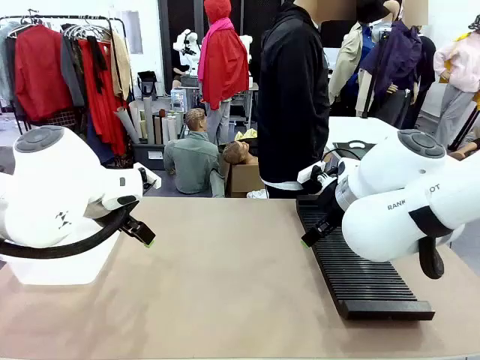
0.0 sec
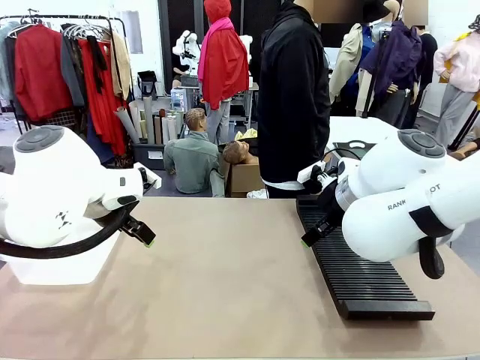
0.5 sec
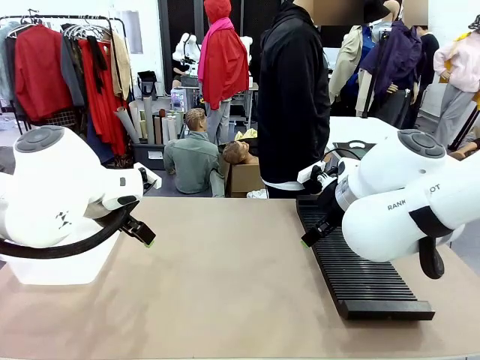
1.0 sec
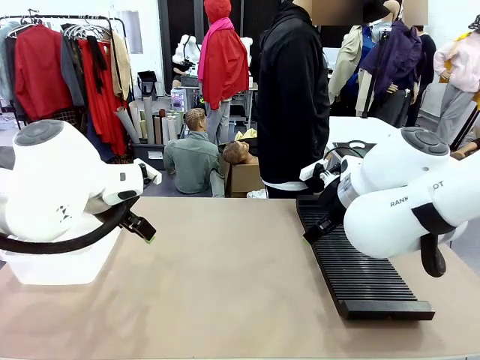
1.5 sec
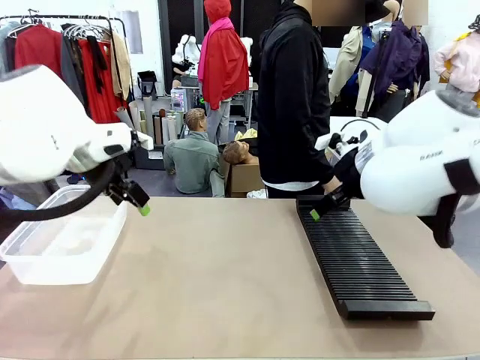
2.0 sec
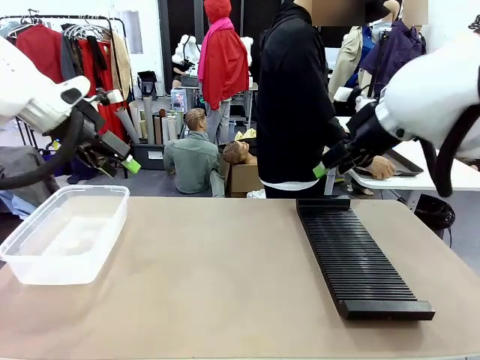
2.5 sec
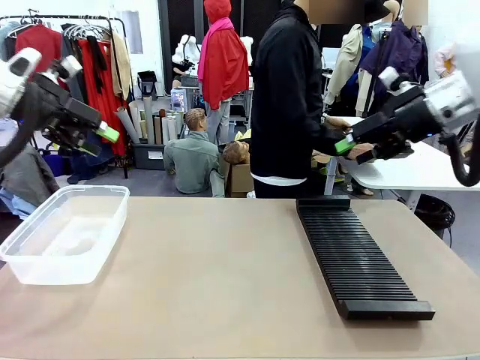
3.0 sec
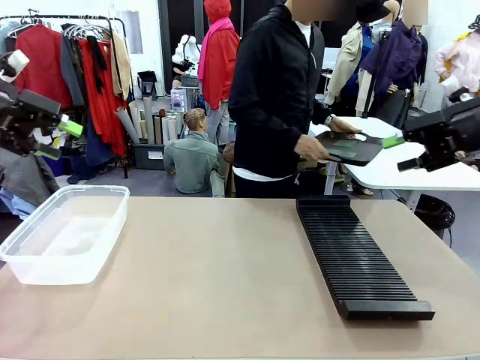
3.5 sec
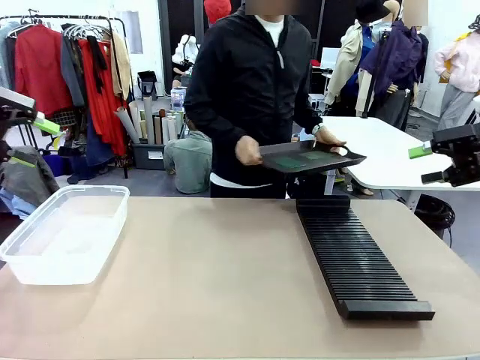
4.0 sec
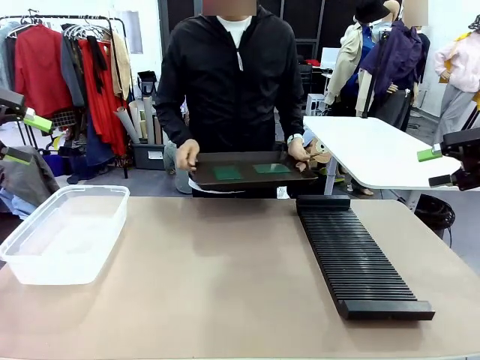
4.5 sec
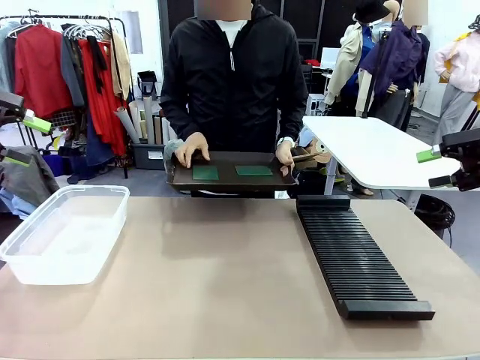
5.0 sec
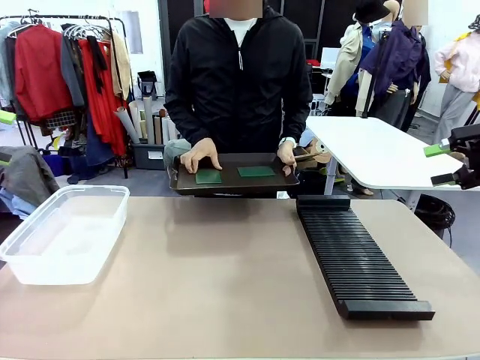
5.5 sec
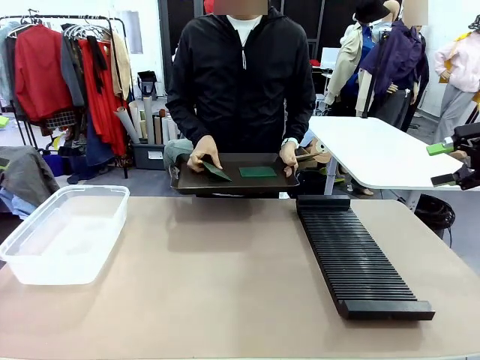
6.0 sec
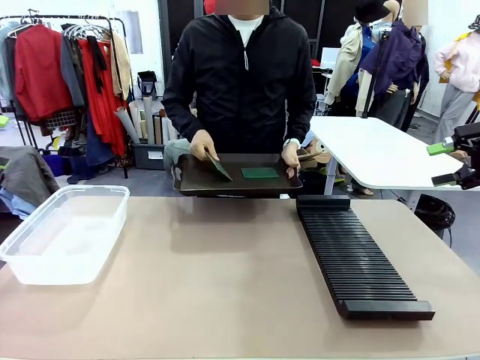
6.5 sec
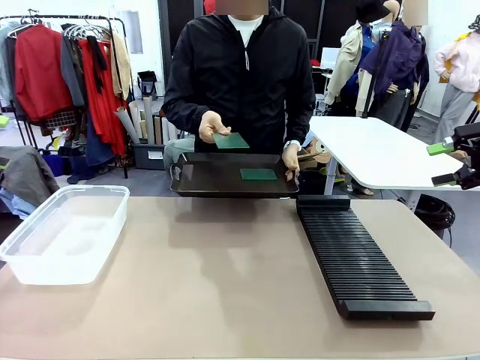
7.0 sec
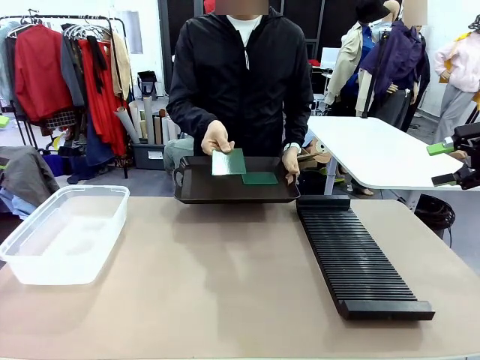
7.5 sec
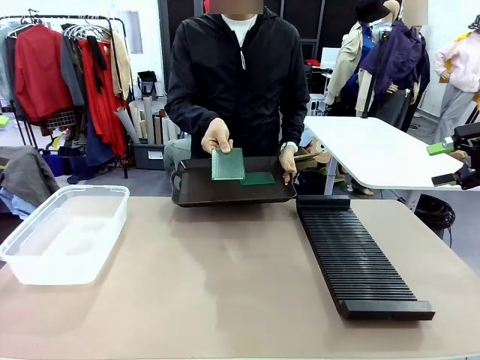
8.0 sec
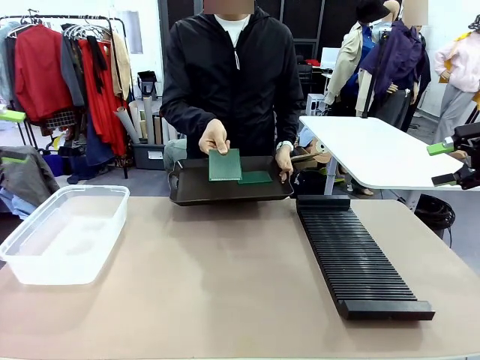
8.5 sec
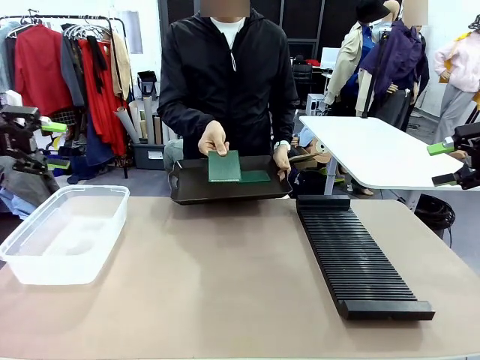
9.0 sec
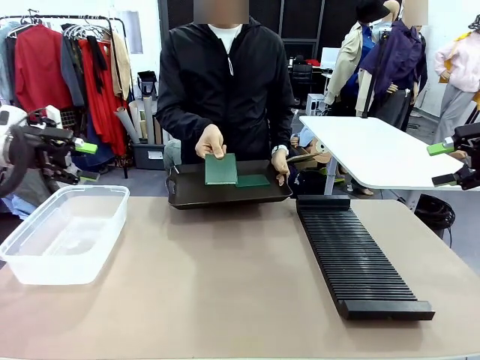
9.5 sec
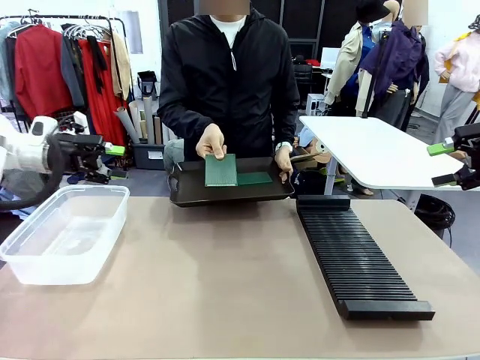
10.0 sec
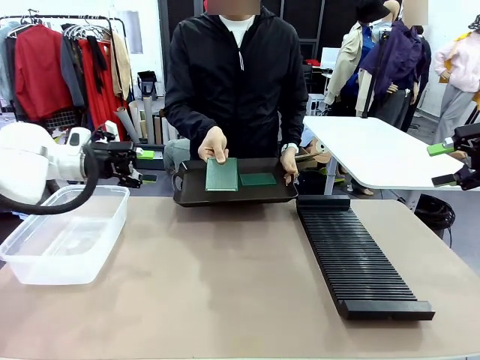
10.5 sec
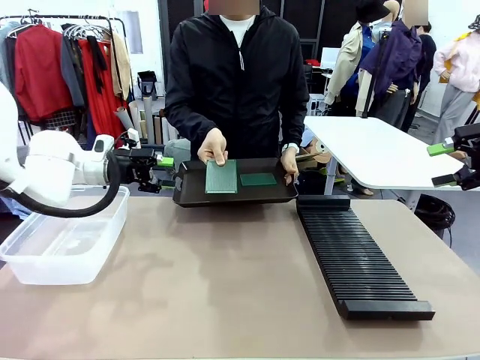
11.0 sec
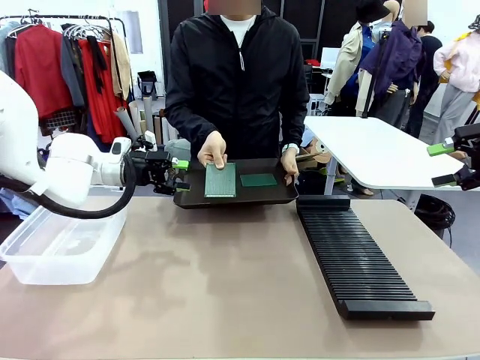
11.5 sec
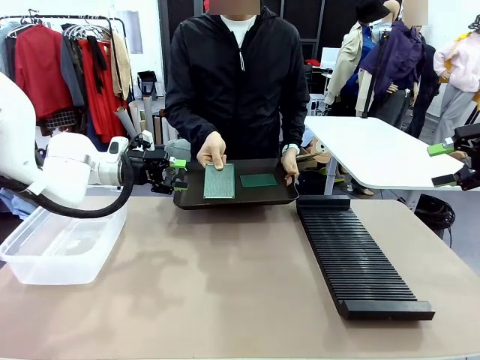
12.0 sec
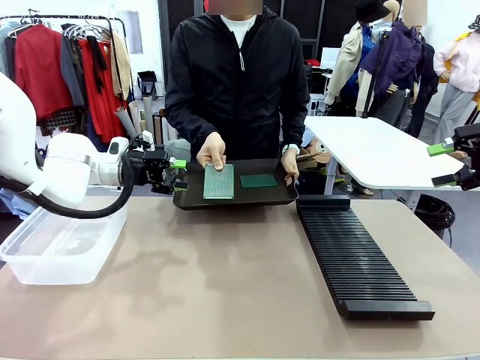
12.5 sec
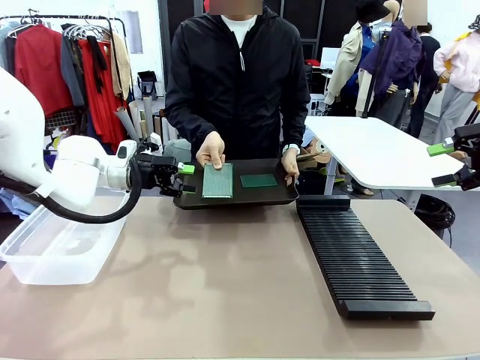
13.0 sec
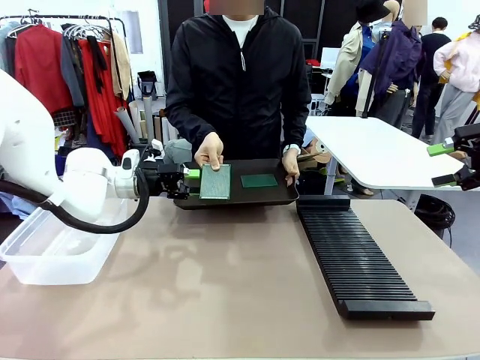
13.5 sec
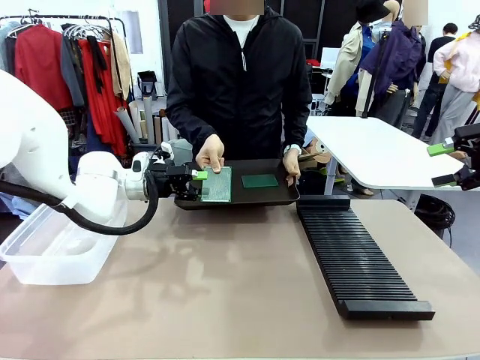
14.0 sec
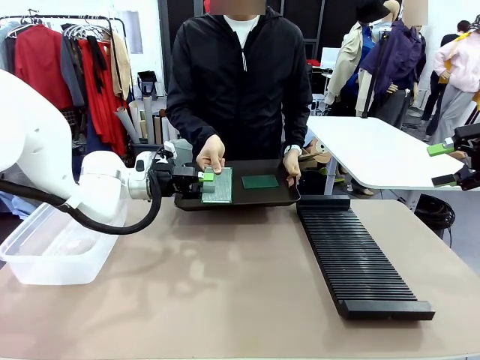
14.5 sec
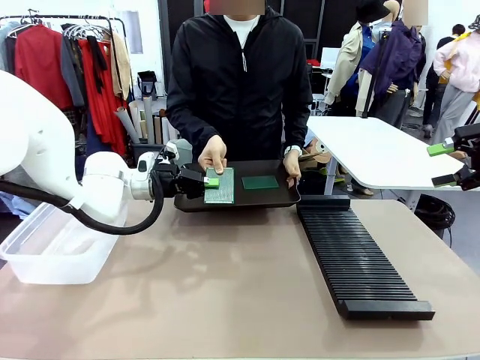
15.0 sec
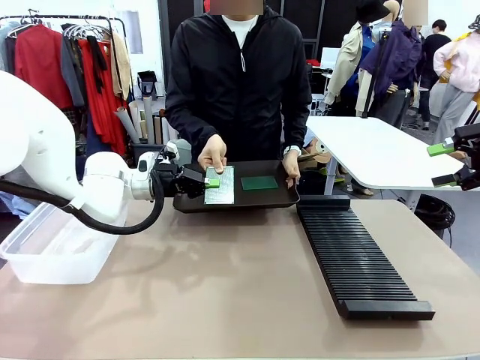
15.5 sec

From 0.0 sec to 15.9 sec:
Task: Sort PCBs into racks and boxes based on the side picked up.
Robot: Pick up the Blank PCB handed by the Human.
Person: Pick one PCB from the tray and present it to the robot. Release the PCB being held.

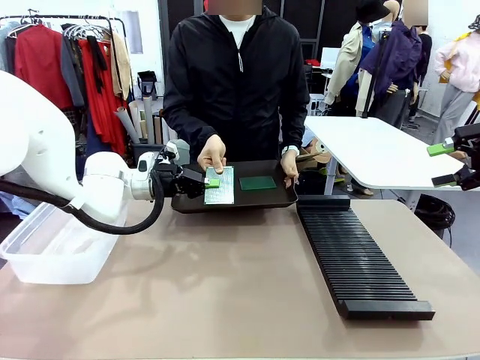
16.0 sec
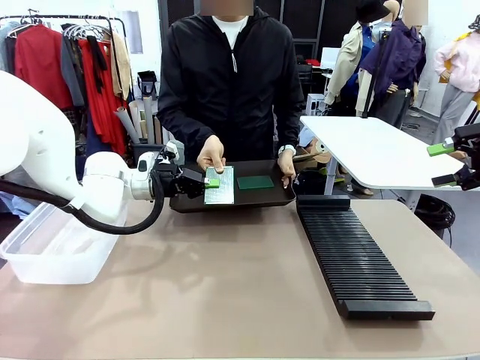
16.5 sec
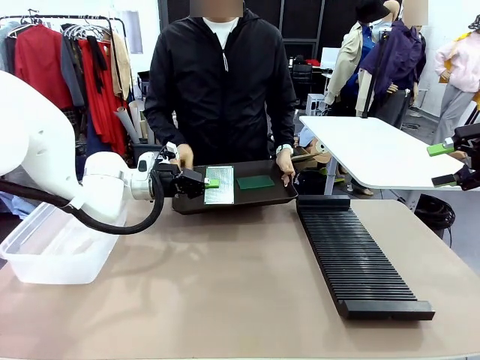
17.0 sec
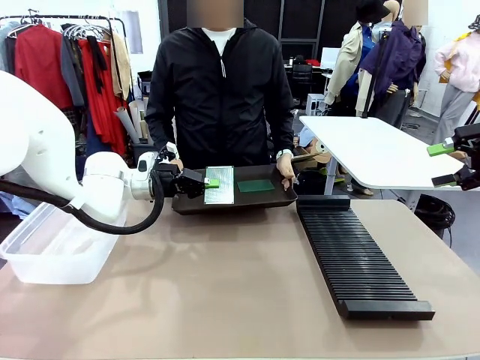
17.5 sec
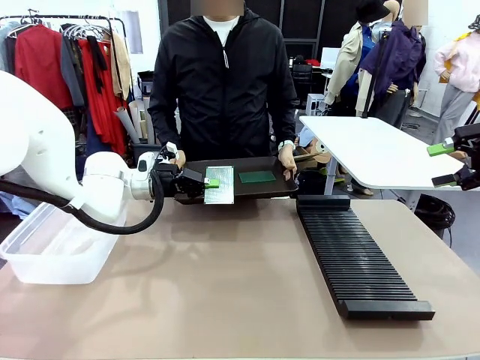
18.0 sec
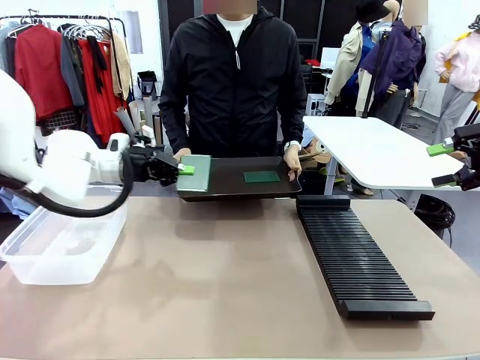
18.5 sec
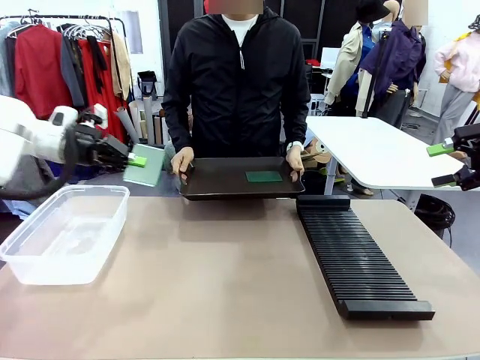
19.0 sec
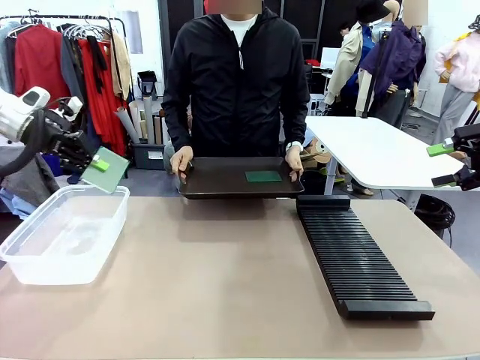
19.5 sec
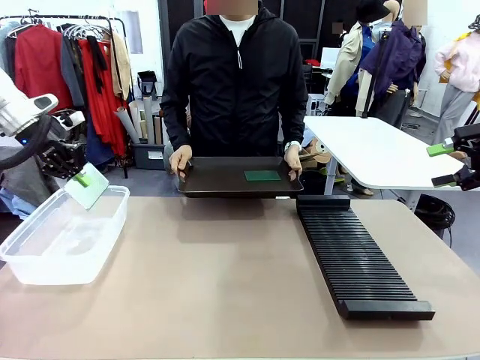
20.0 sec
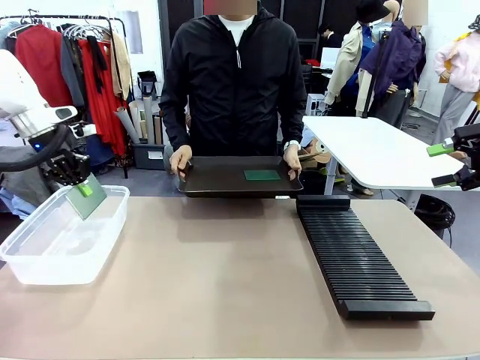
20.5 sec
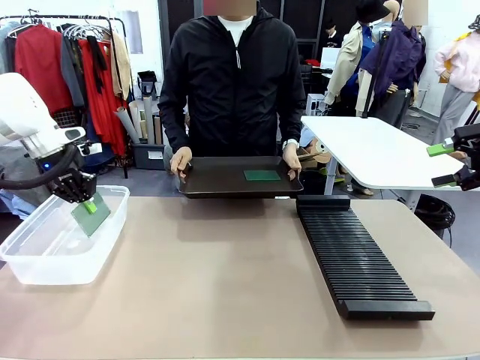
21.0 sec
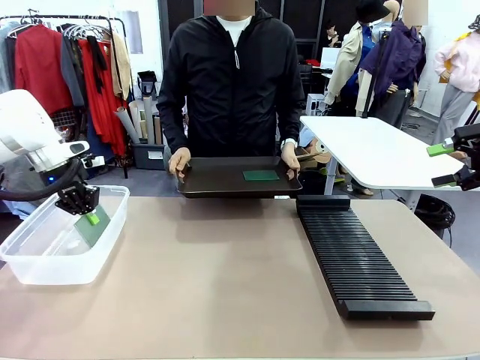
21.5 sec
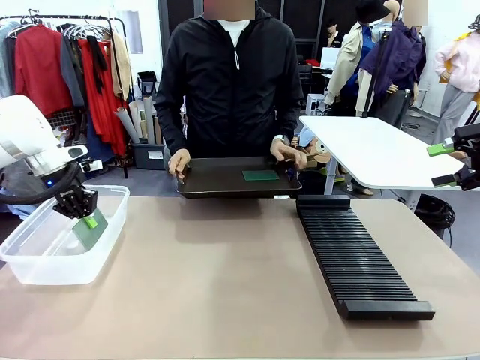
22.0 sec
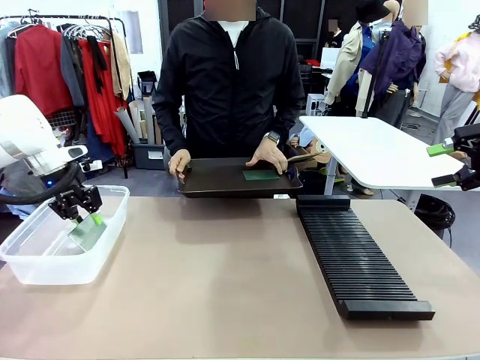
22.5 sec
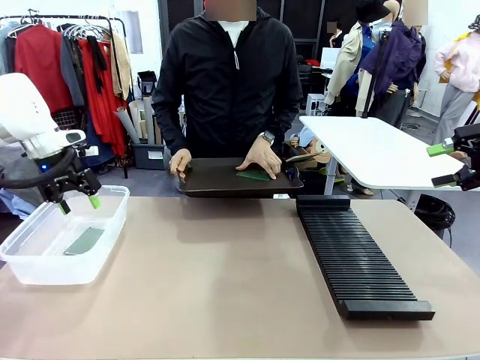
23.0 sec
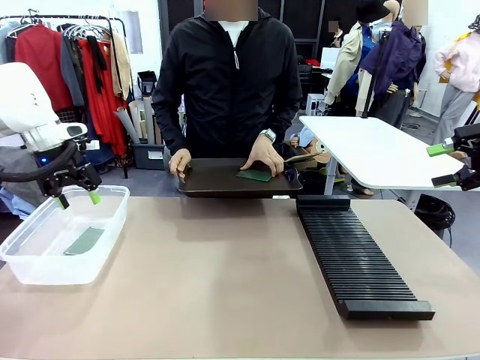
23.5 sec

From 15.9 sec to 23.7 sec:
Robot: If the short side of the Blank PCB is picked up, insert it into the PCB Rack ; if the long side is picked up, place it in the Organizing box.
Person: Pick one PCB from the tray and present it to the robot.

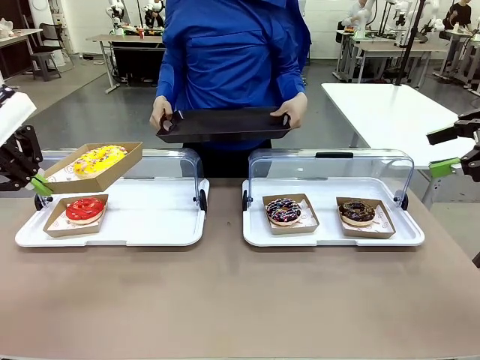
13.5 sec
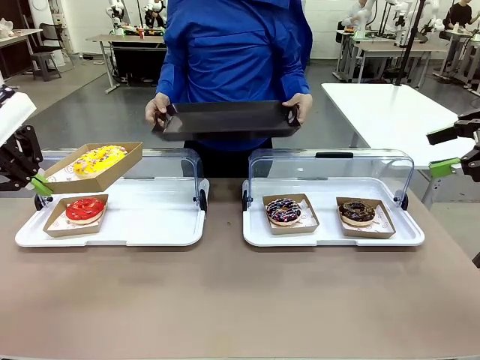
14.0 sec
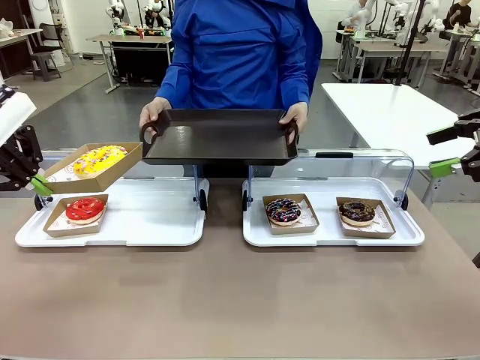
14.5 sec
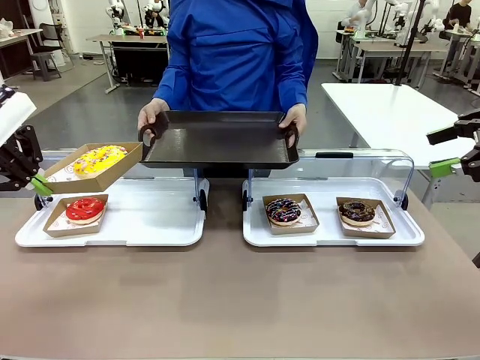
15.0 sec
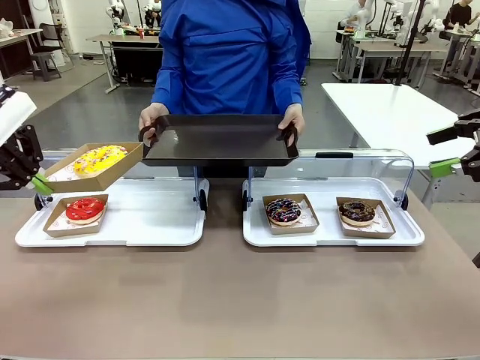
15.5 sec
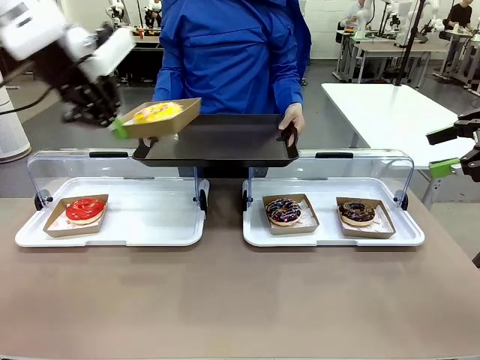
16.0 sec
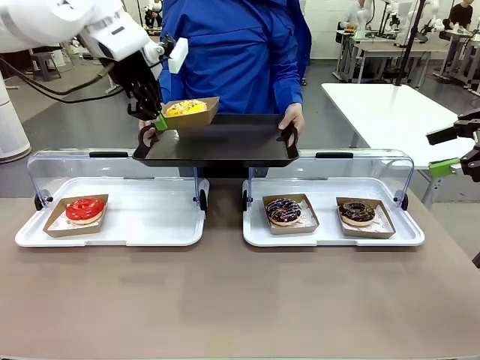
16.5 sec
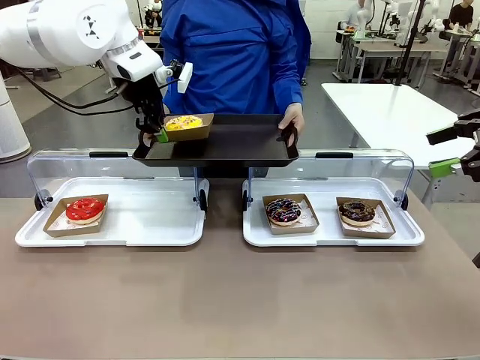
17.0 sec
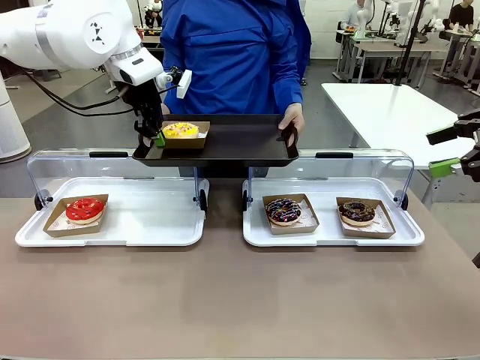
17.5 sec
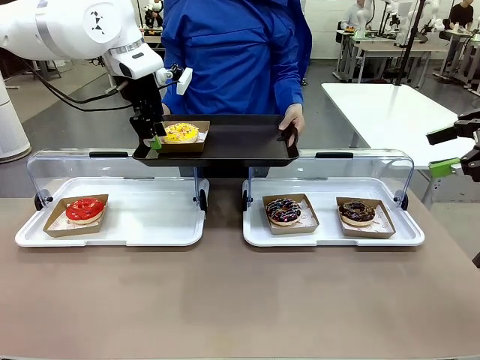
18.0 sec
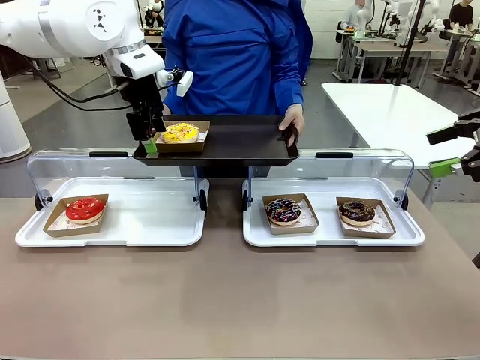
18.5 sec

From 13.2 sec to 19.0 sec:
Task: Provide the desired donut to the person.
Robot: Place the picked Paper togo box onto the Handle tray extended by the person.
